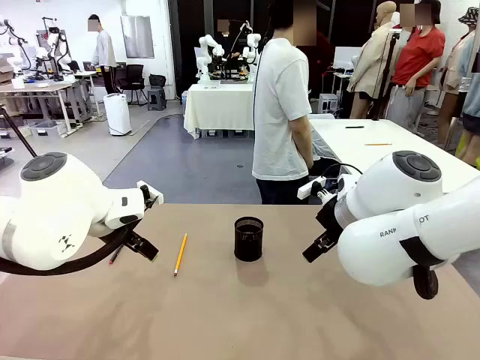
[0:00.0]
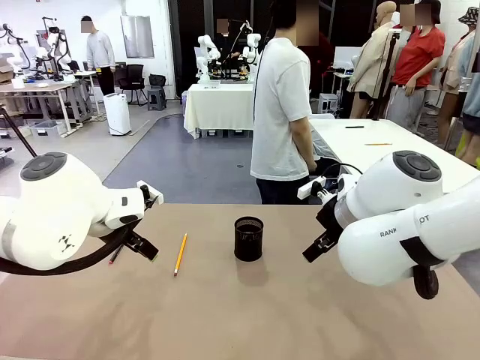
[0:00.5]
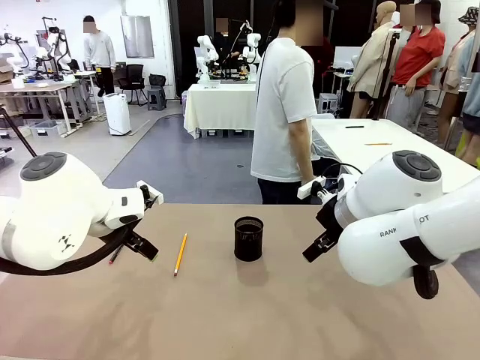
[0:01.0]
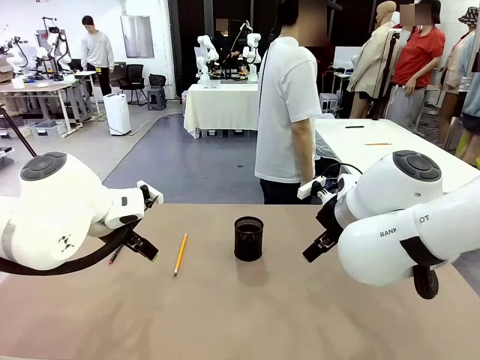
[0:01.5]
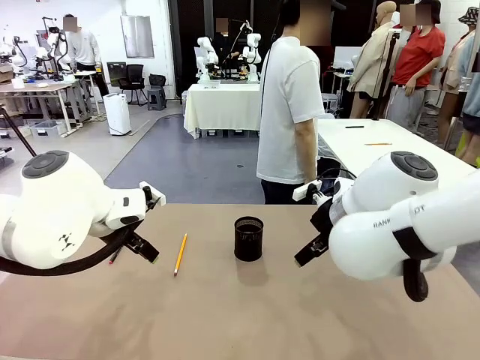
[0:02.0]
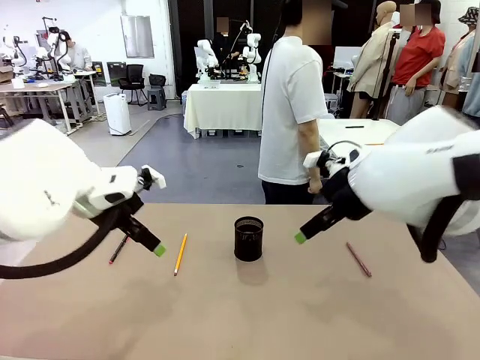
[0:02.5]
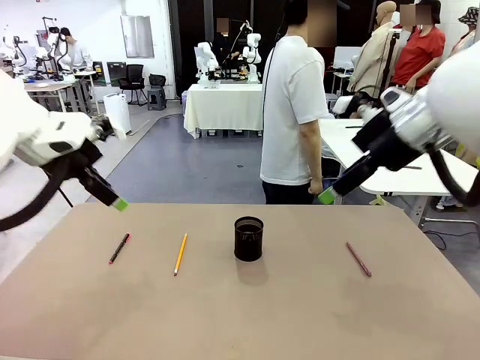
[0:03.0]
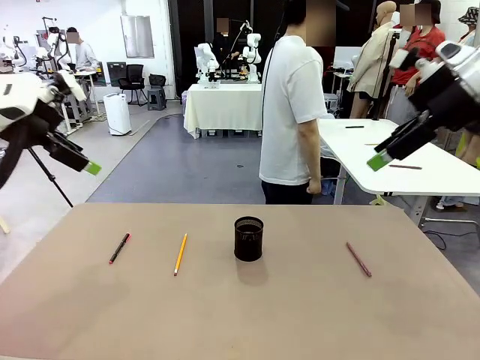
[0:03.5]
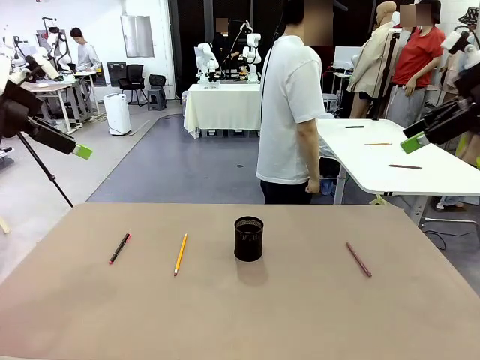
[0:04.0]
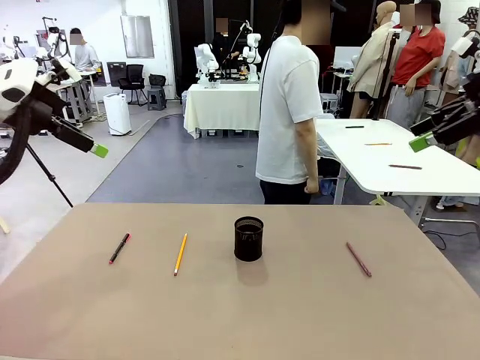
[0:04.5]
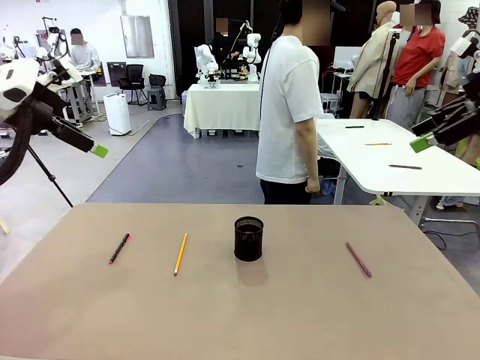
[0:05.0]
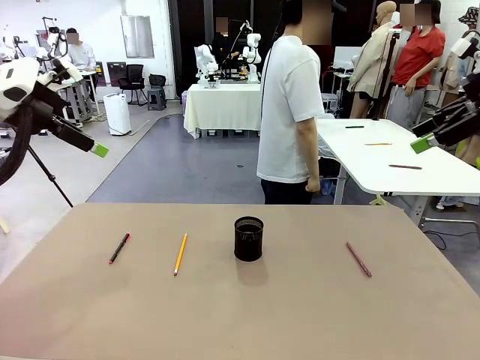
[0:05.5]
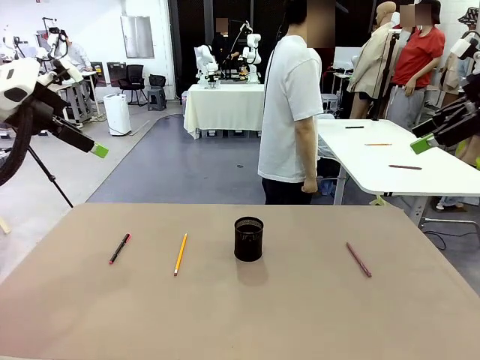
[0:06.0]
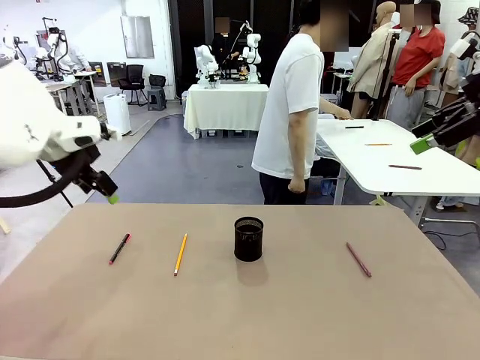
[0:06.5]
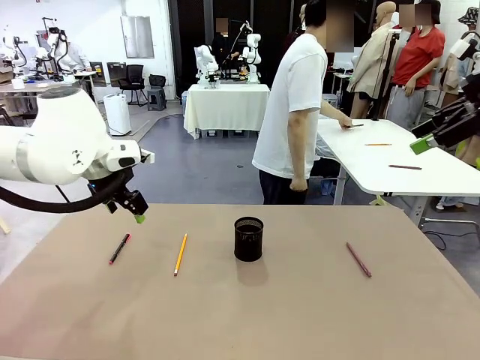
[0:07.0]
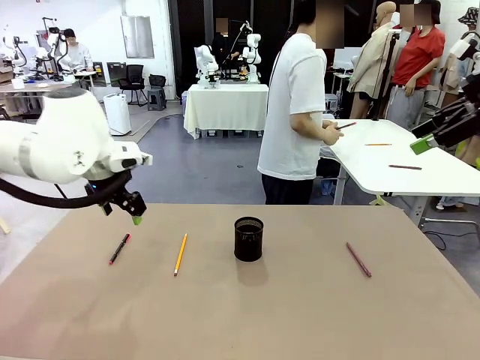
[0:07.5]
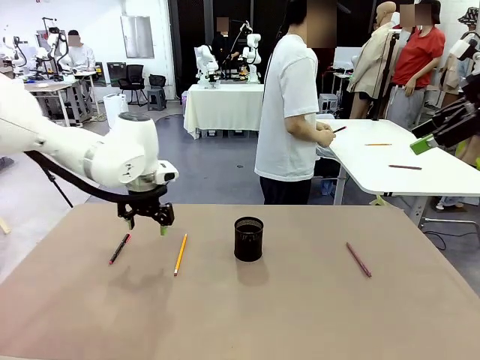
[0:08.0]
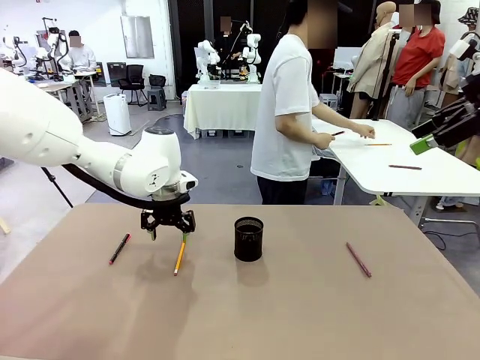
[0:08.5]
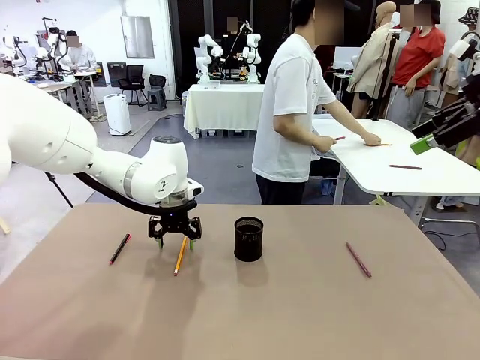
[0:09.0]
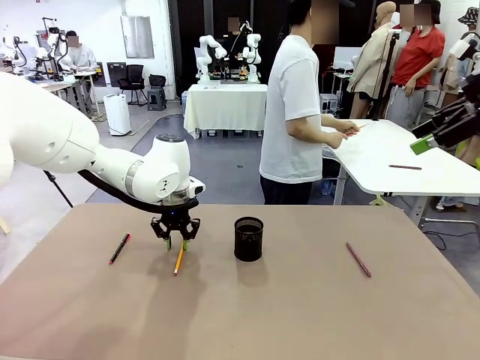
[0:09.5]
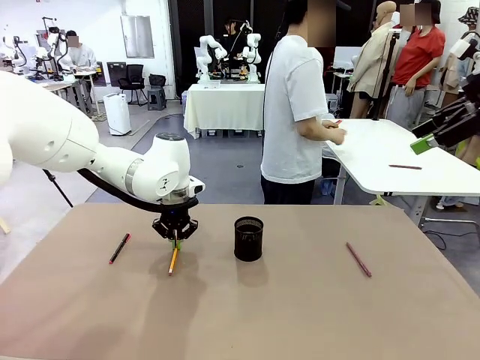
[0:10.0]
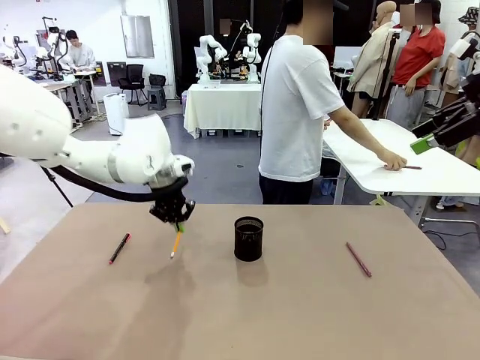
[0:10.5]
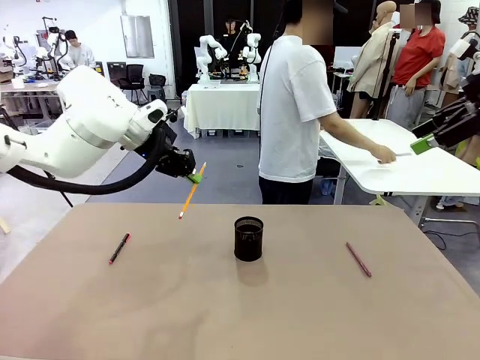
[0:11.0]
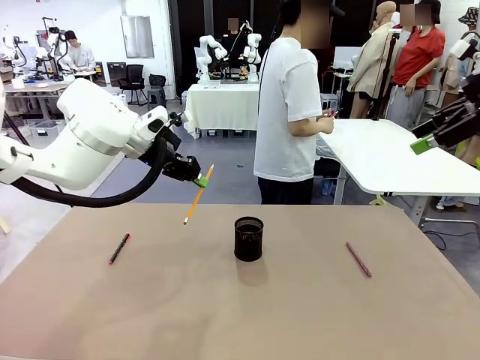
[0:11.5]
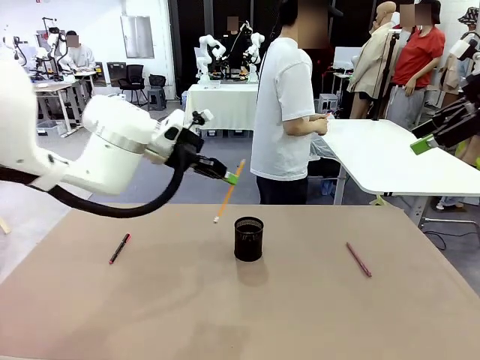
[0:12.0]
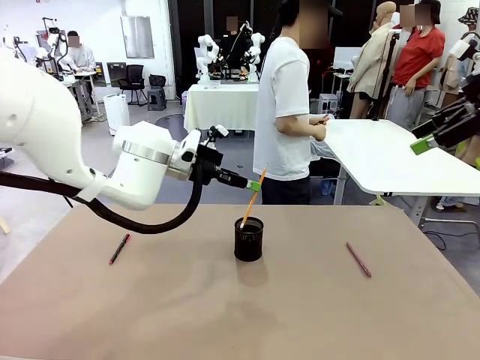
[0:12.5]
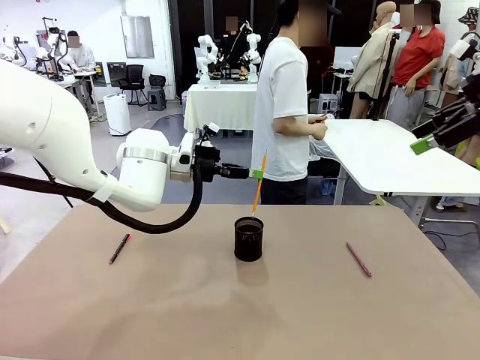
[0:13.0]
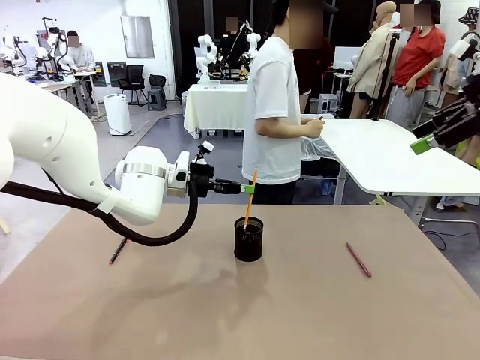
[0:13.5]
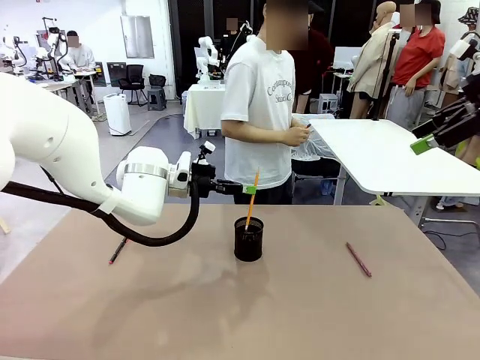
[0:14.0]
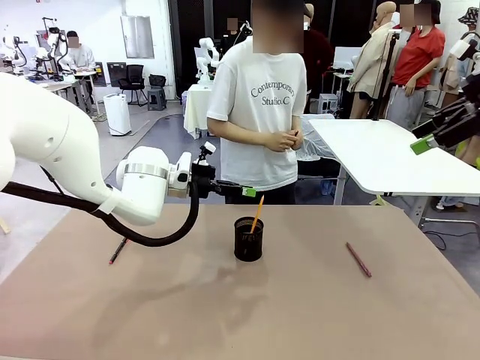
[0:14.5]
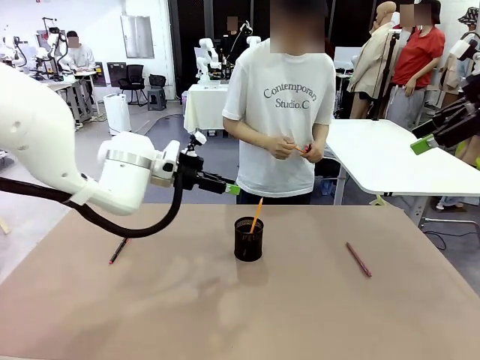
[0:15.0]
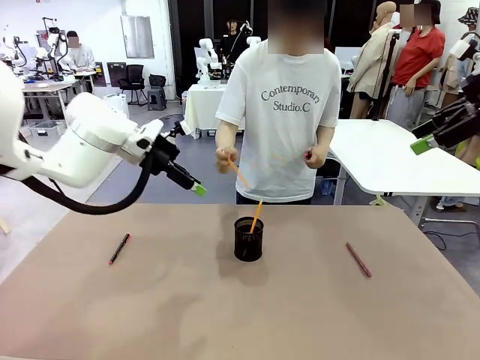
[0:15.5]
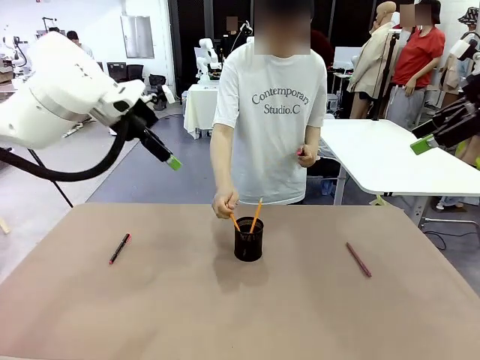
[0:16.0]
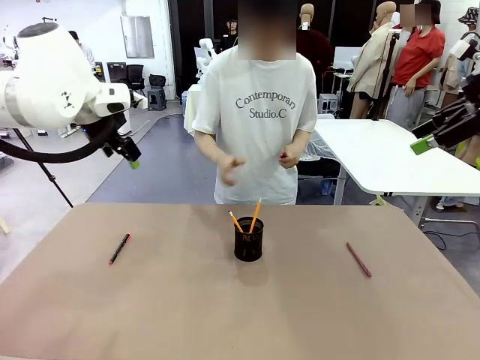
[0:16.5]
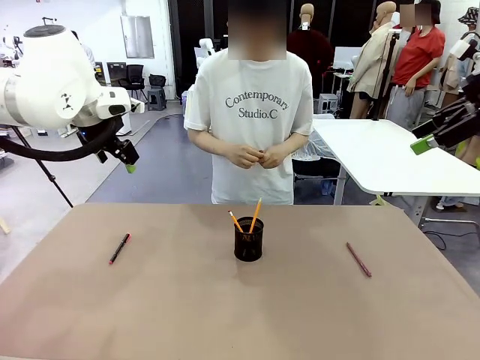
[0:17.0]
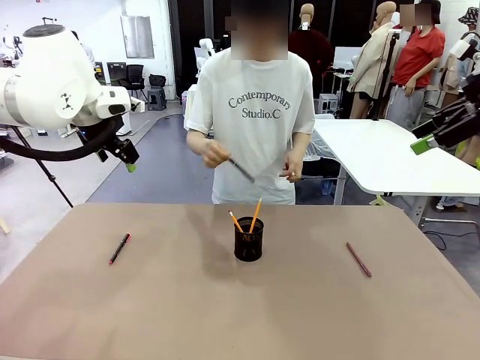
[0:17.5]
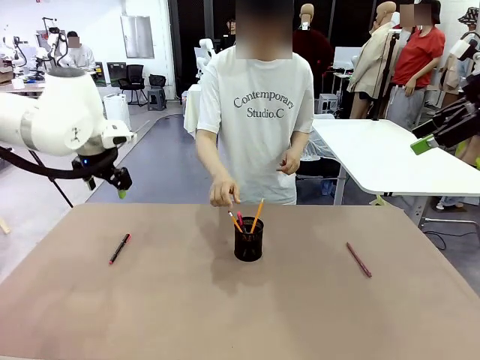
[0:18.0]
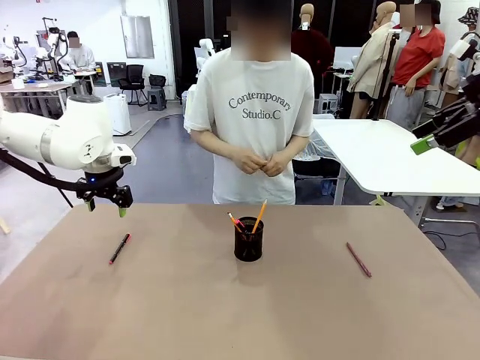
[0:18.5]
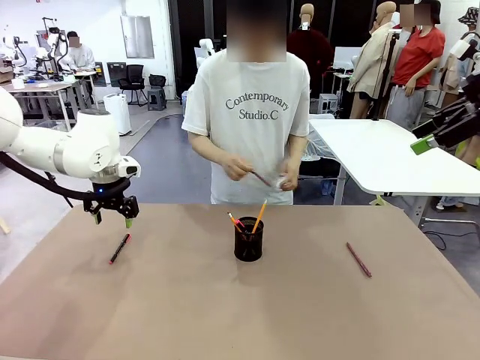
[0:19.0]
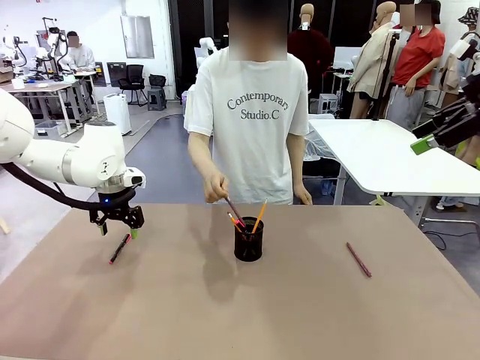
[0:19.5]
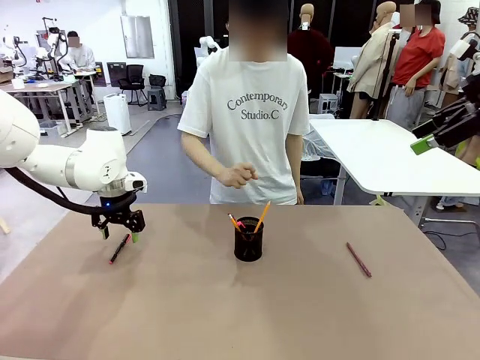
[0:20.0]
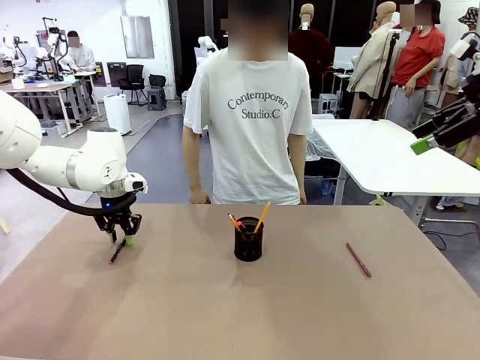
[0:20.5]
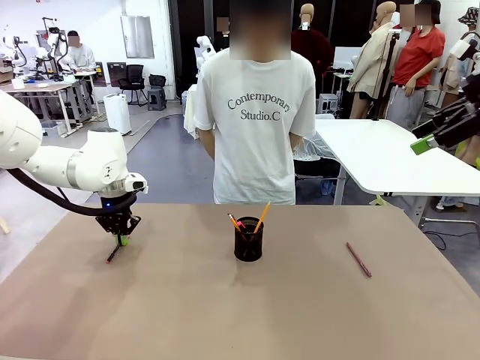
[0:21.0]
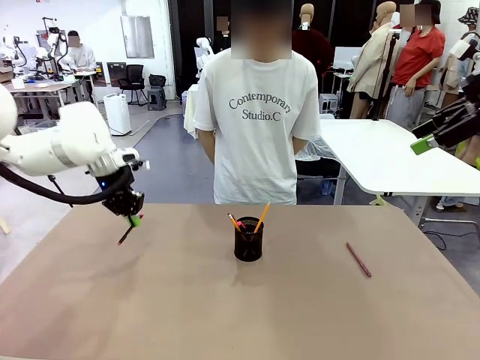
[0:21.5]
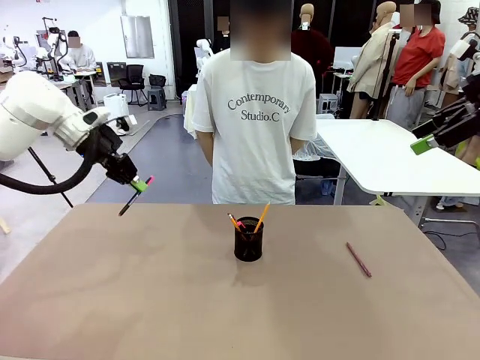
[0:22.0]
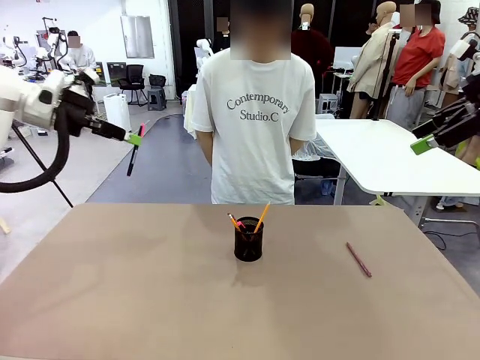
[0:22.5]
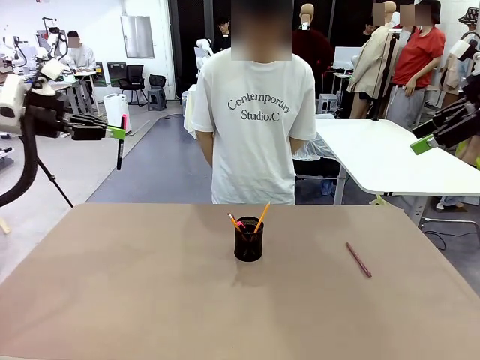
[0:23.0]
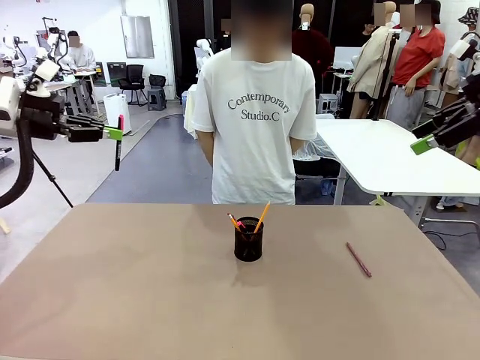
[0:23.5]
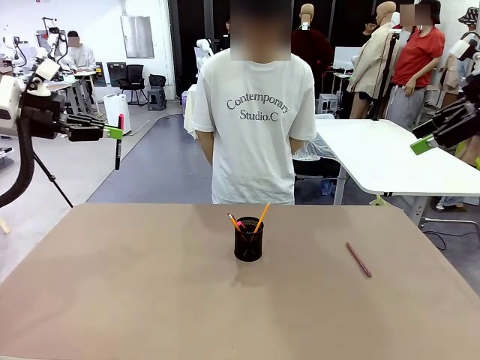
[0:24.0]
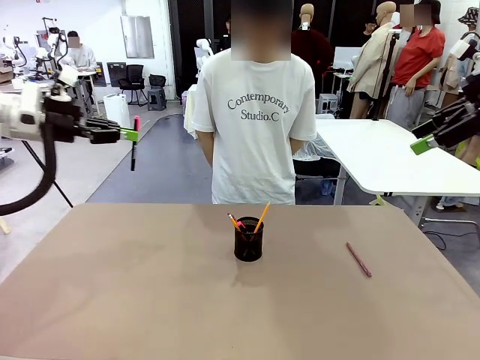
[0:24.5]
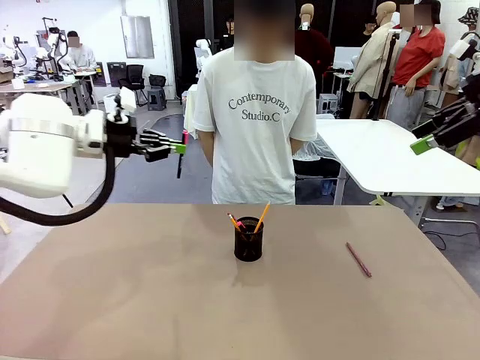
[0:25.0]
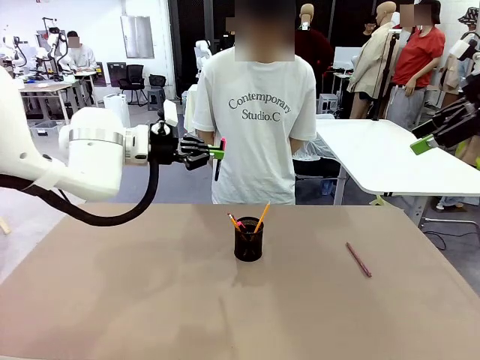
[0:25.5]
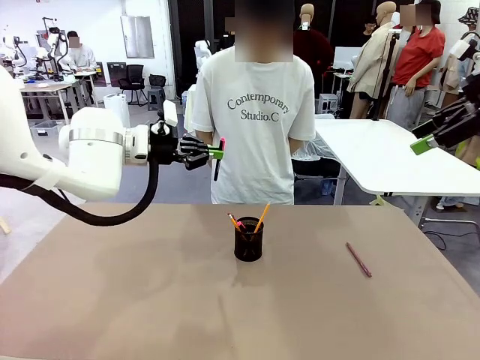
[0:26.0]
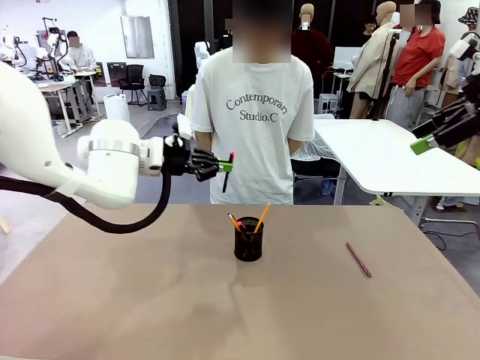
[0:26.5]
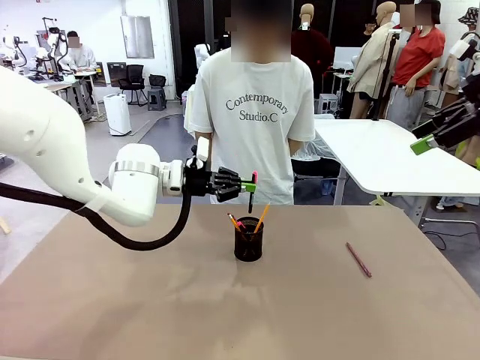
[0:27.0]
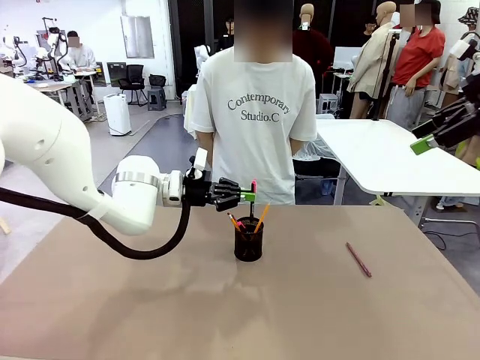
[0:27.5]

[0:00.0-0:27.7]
Task: Place the pens into the pen holder.
Robot: Pick up a writing instrument from the table and place it into the Pen holder.
Person: Pick up all writing instruments from the Human table.
